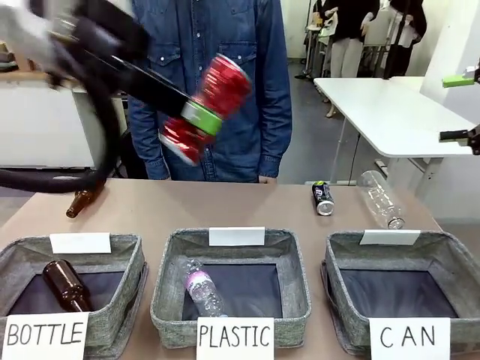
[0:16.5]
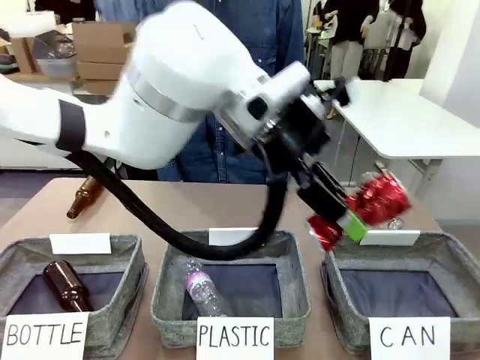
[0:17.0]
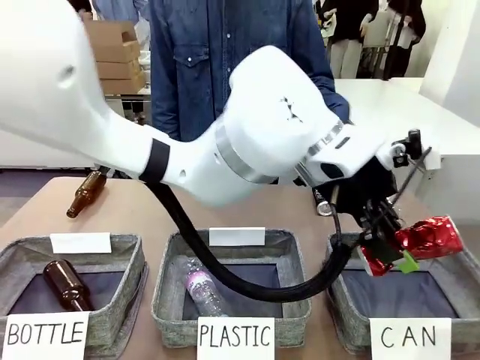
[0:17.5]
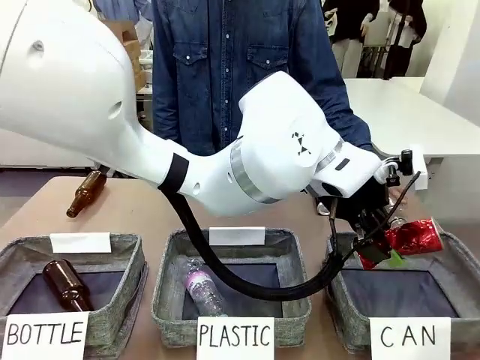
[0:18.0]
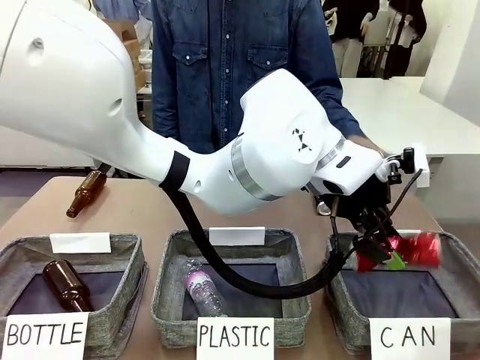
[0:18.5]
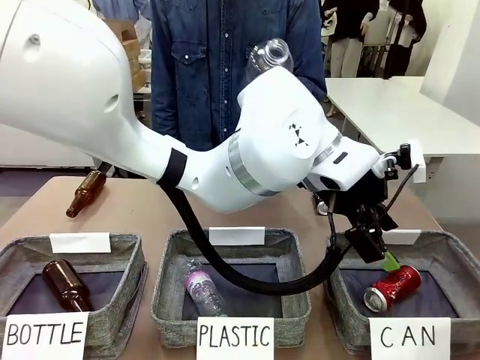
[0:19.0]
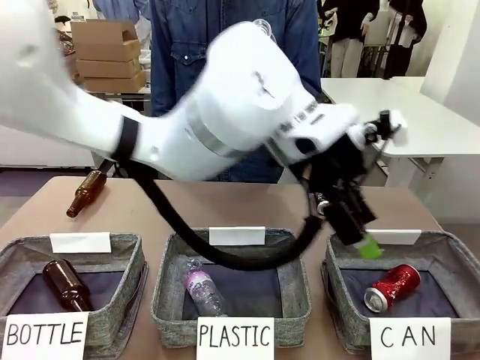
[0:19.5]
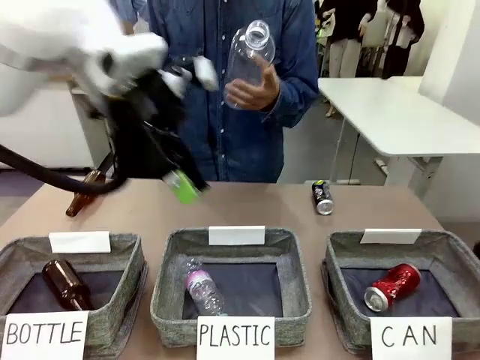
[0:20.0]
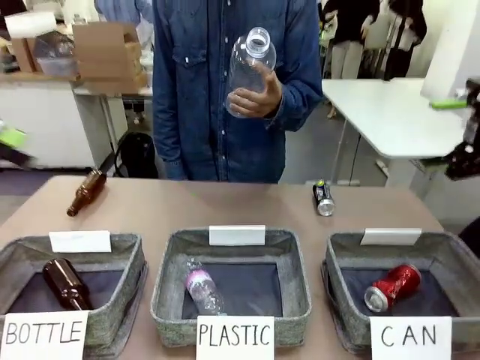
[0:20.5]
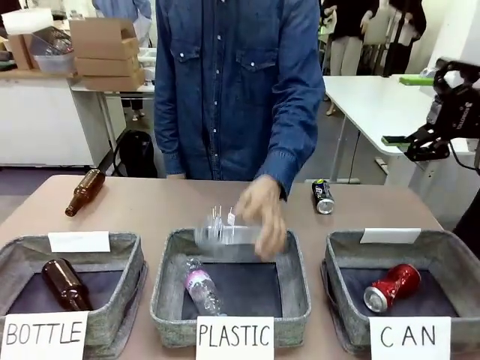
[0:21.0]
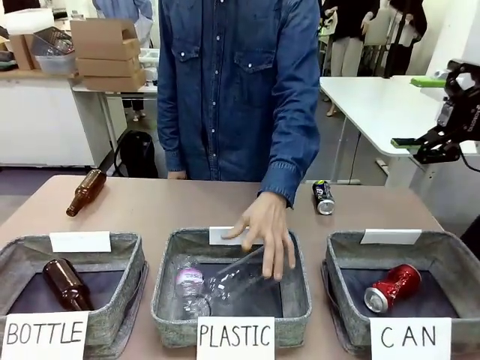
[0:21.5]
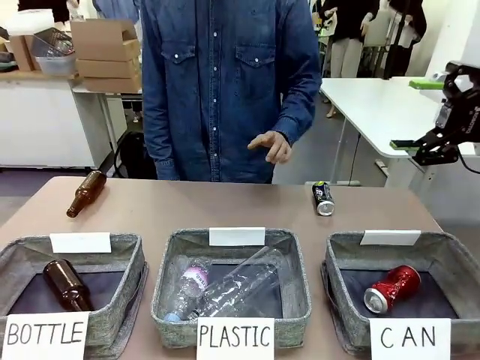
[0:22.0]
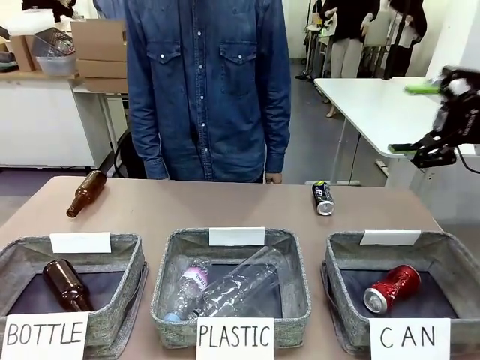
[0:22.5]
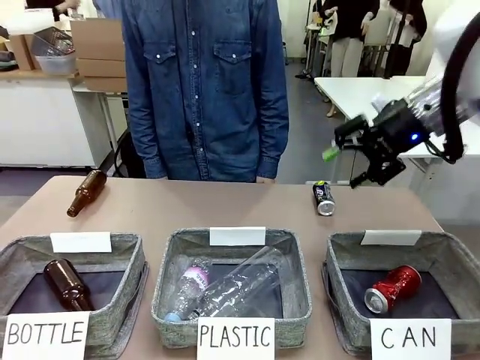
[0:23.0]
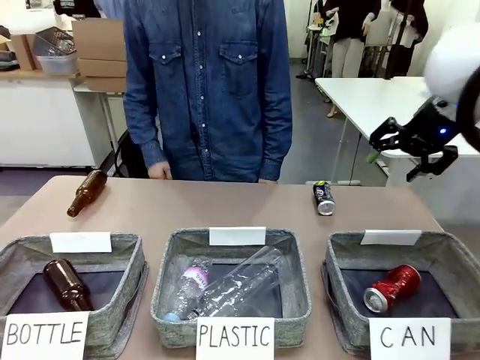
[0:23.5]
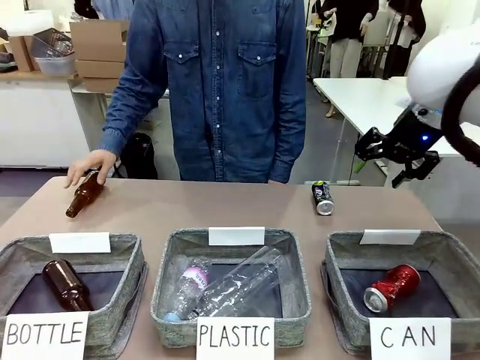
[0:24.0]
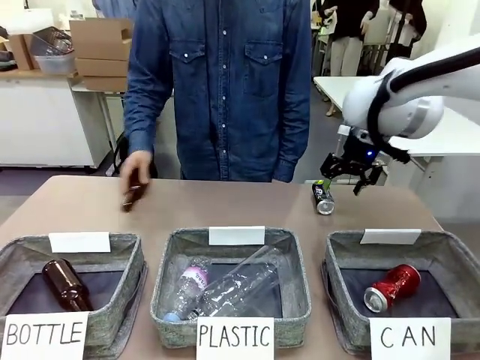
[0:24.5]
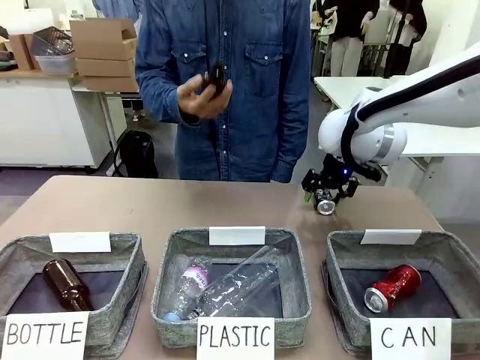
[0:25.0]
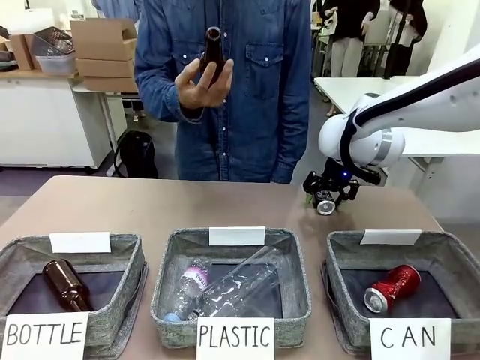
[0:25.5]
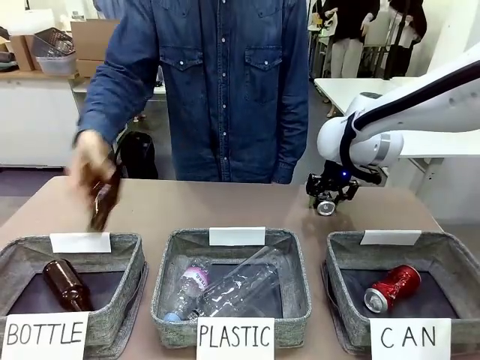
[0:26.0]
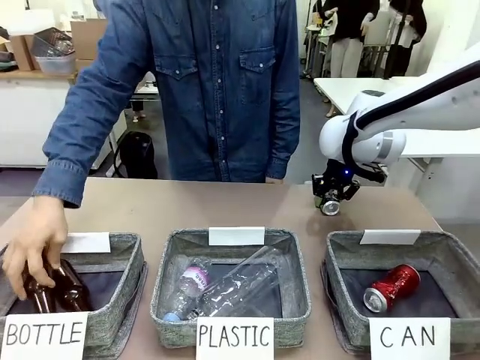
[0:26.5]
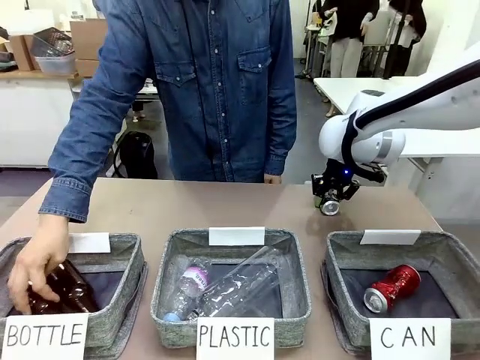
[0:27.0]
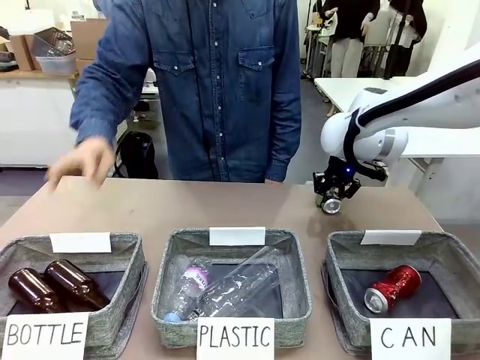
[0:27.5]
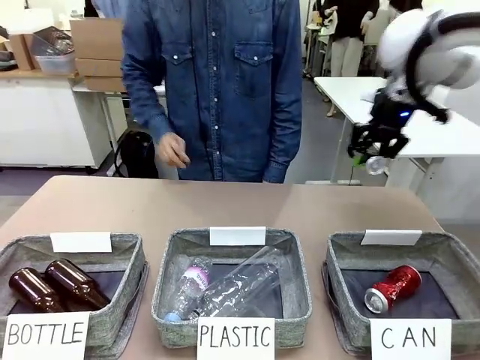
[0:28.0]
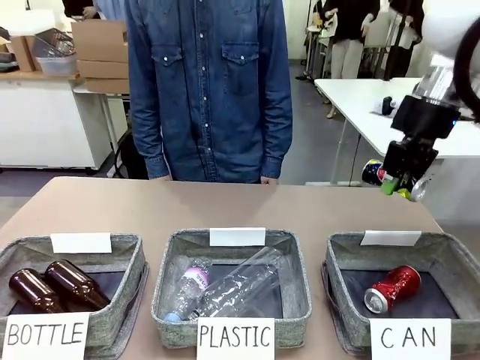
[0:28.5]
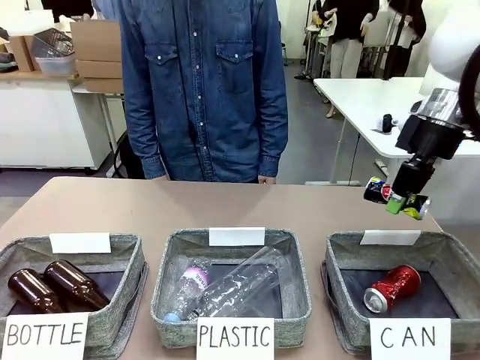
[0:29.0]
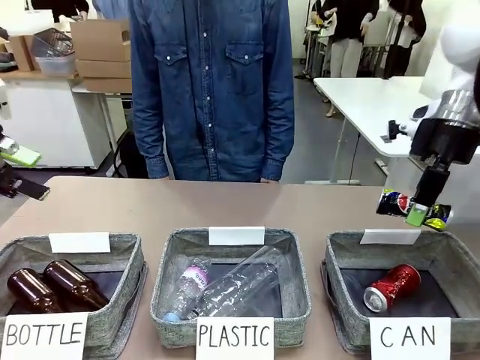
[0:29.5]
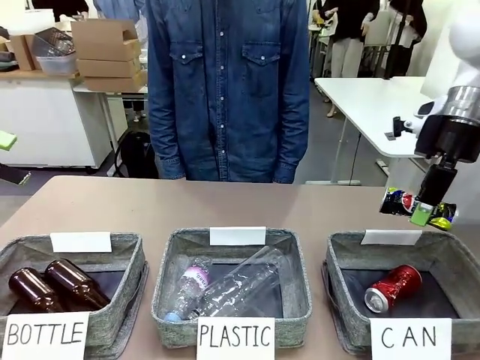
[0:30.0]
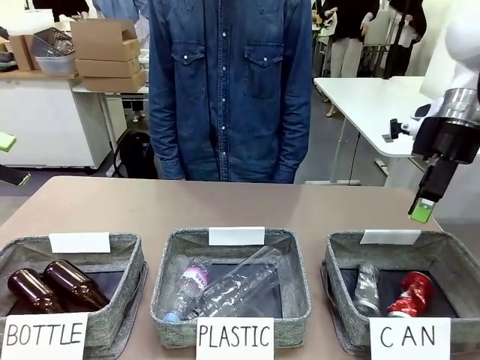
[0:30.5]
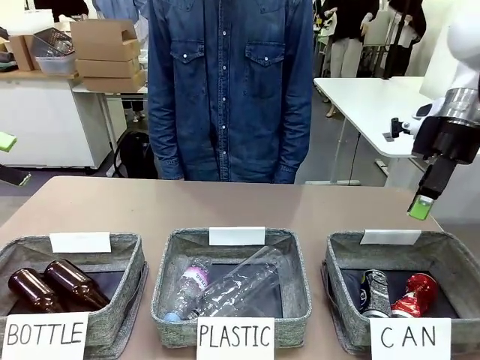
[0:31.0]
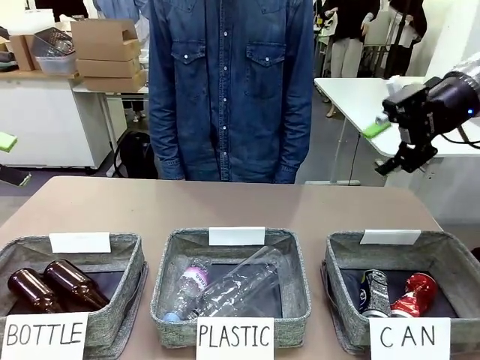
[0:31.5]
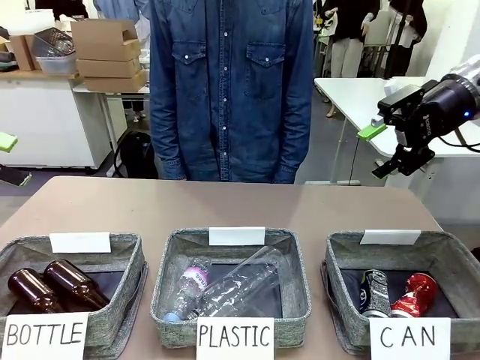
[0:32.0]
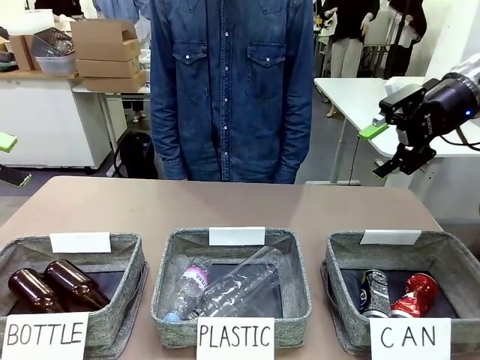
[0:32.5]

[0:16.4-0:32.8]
Task: Sort the can waste into the basket.
Robot: Pick up the can waste from the table and place it in the right Fabric basket.
